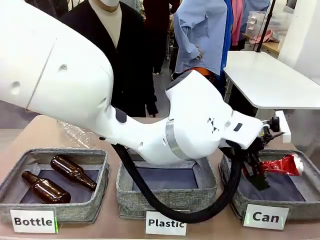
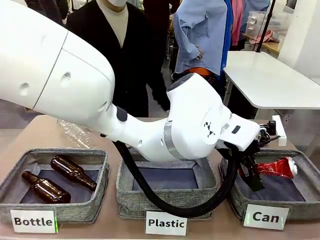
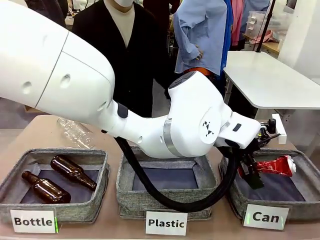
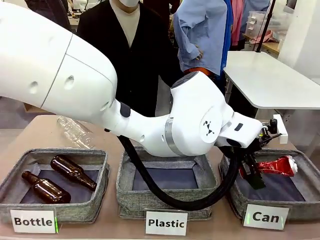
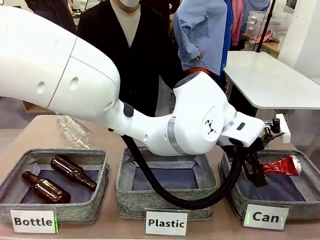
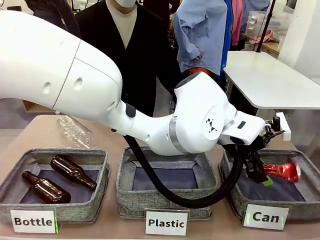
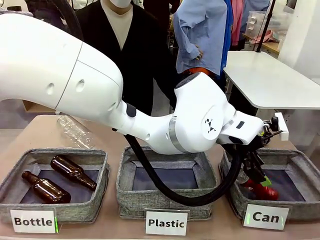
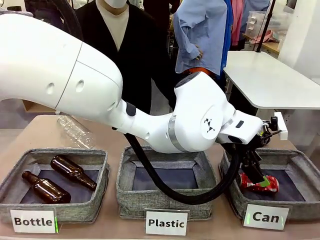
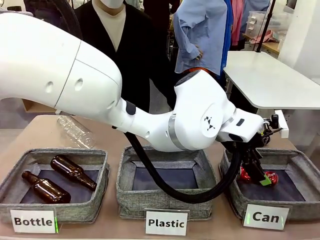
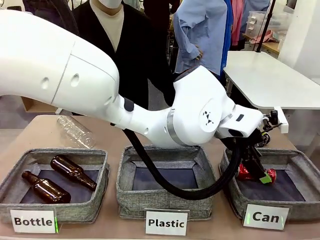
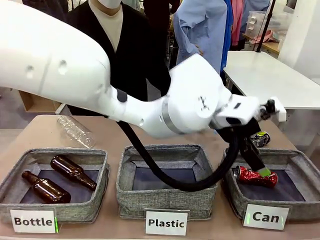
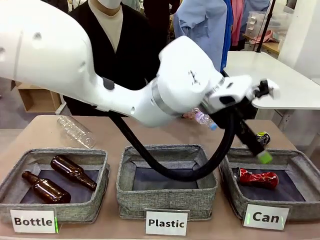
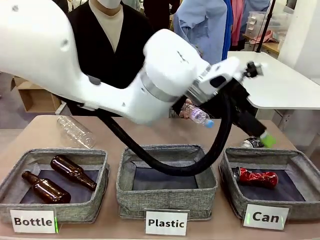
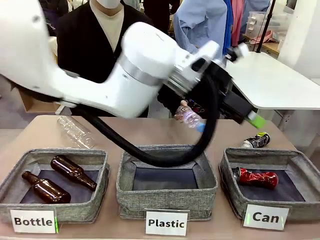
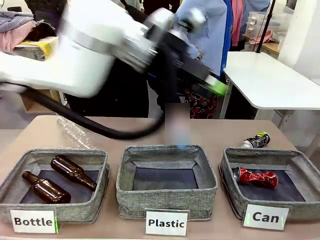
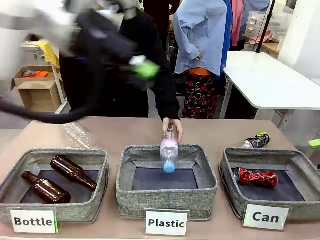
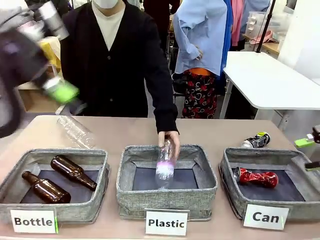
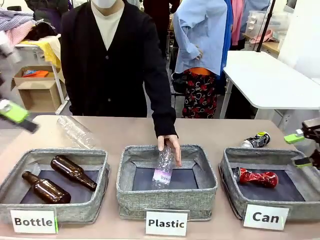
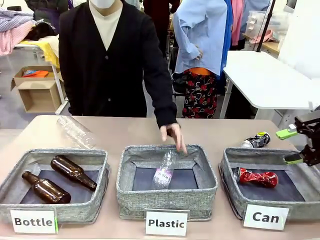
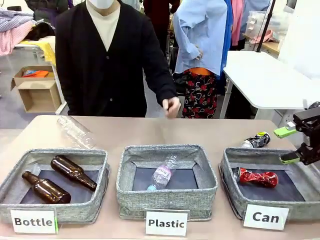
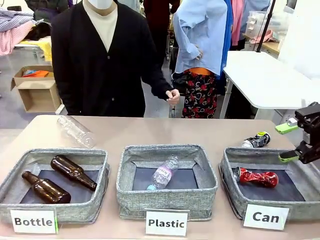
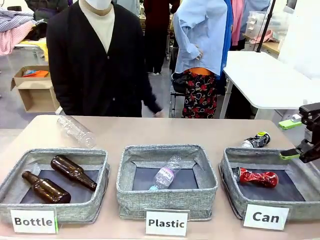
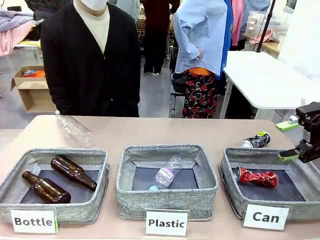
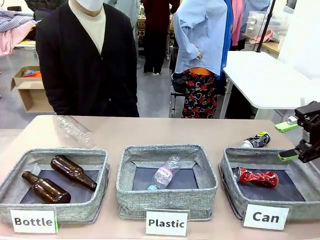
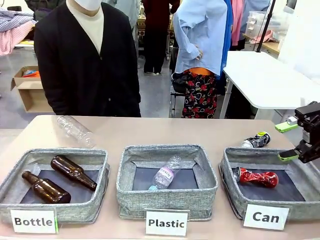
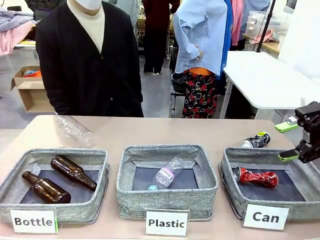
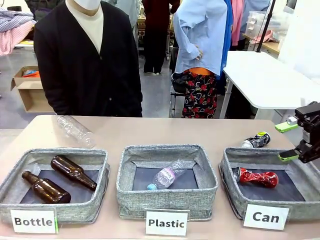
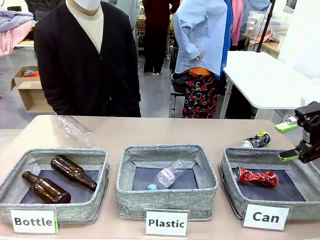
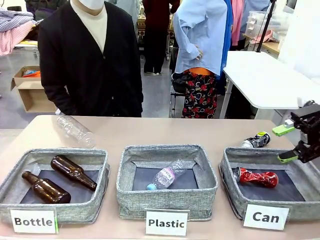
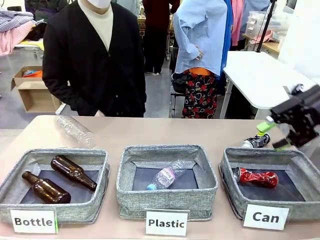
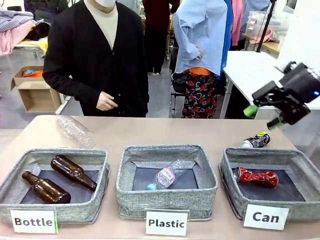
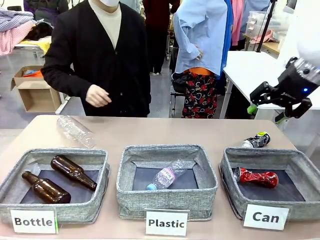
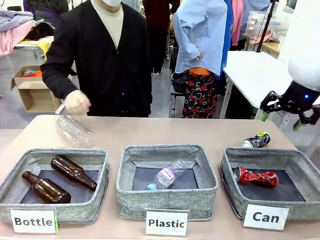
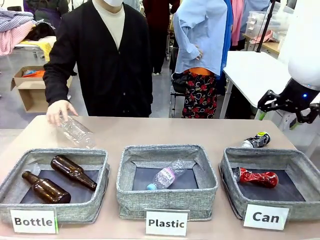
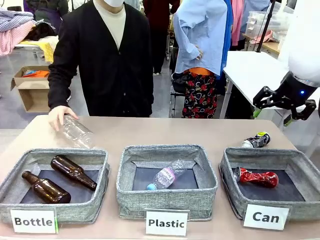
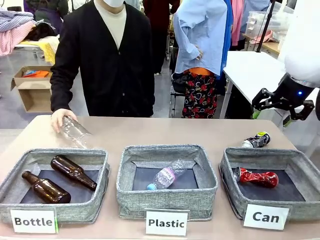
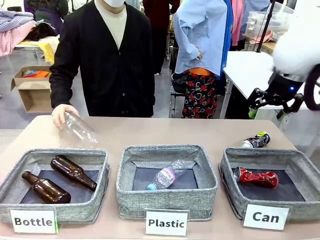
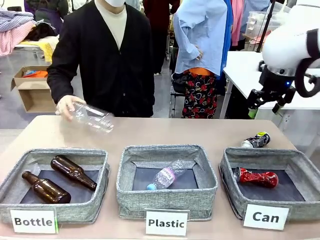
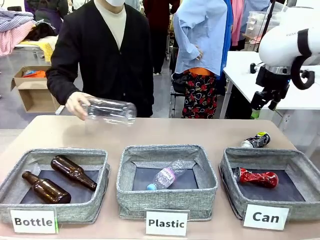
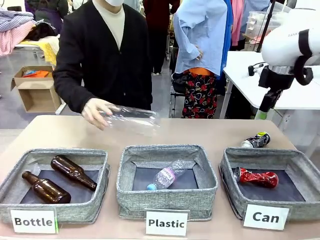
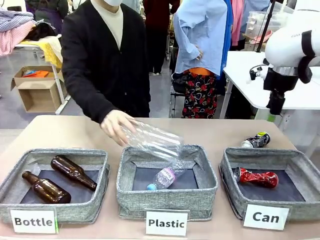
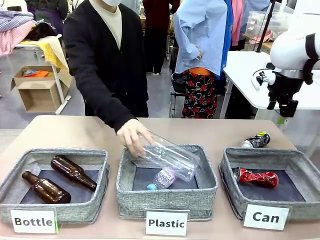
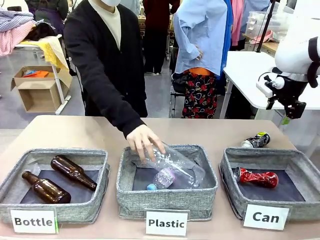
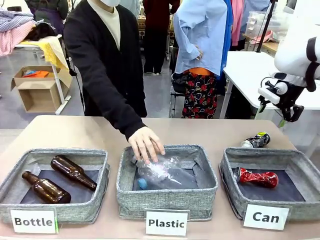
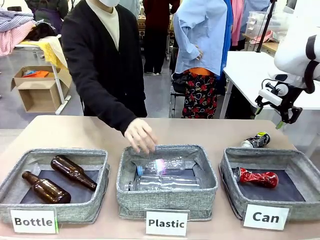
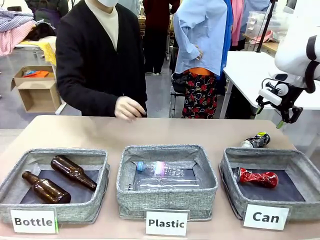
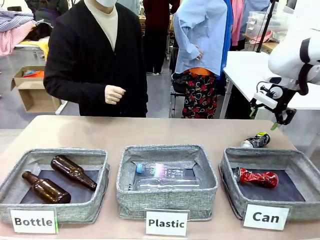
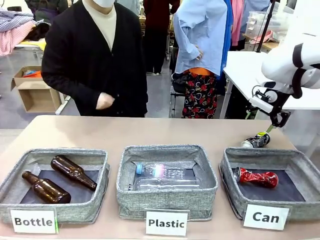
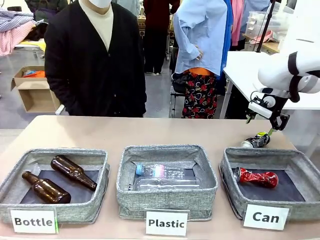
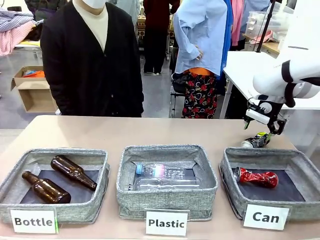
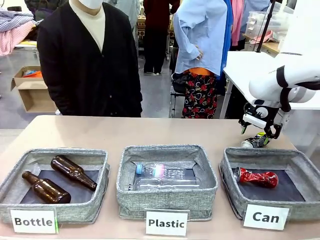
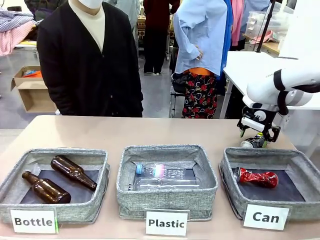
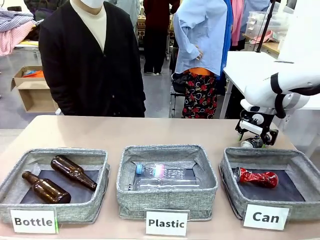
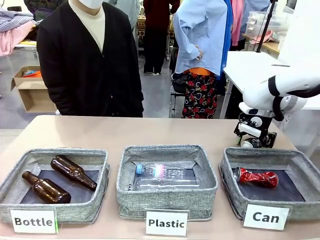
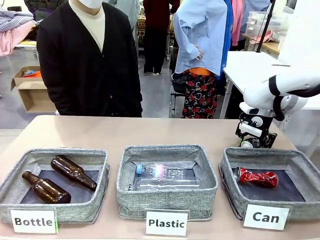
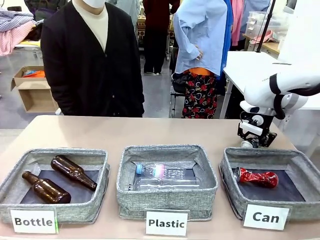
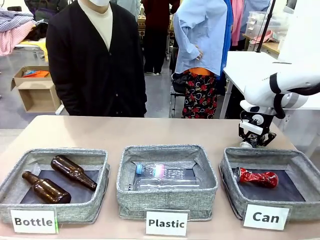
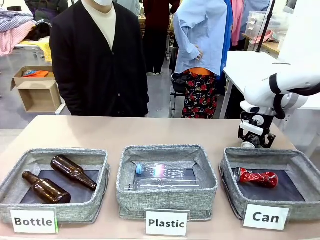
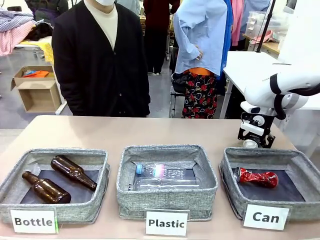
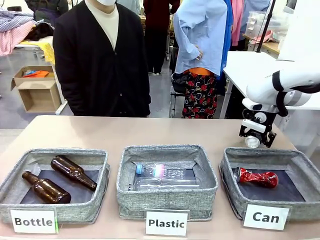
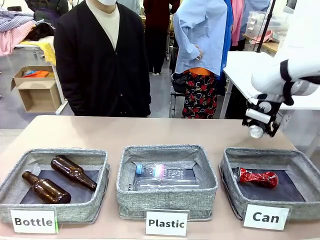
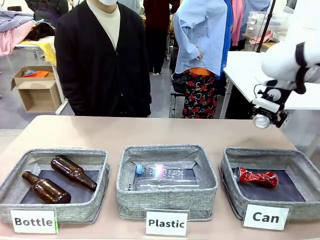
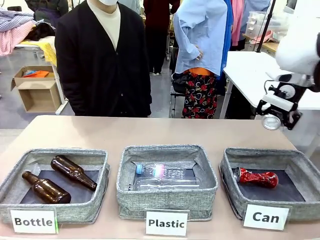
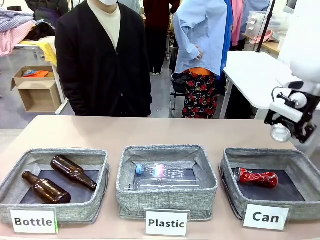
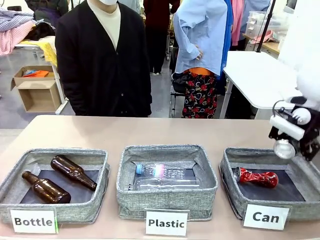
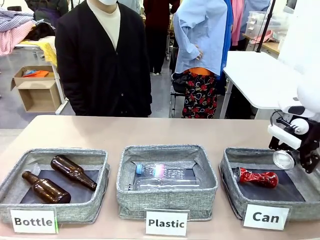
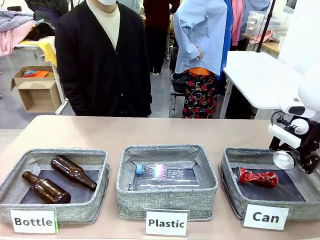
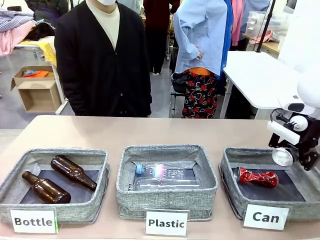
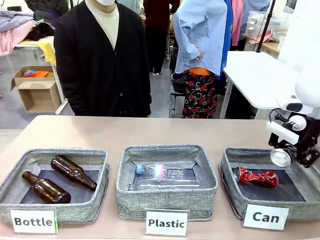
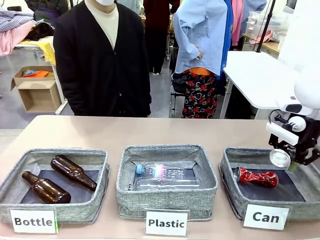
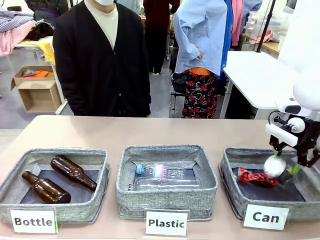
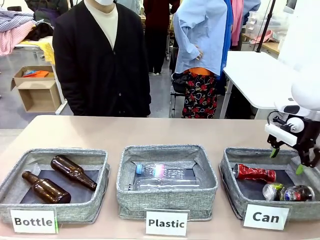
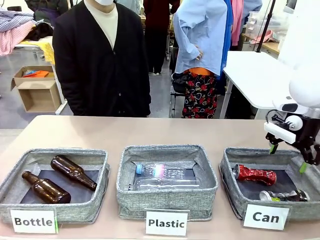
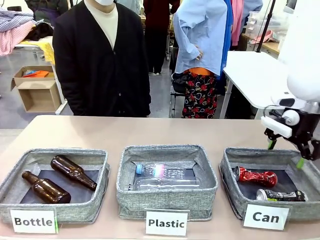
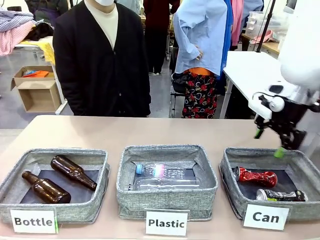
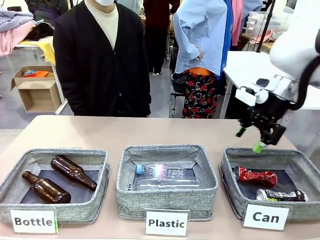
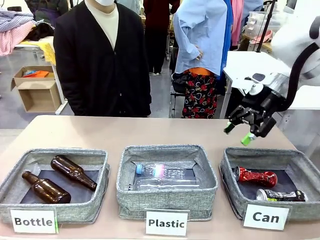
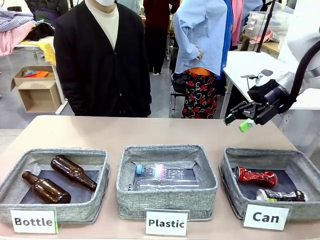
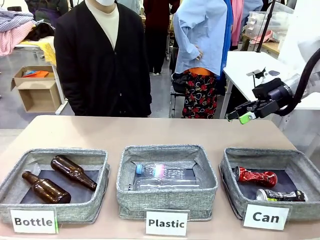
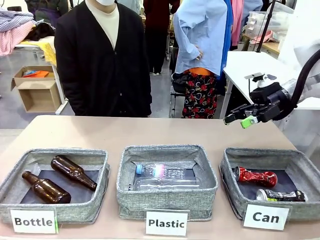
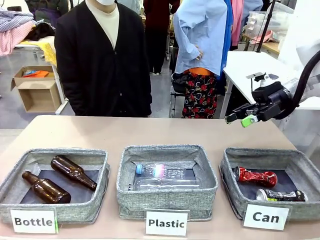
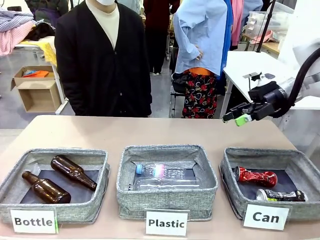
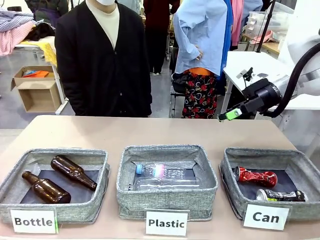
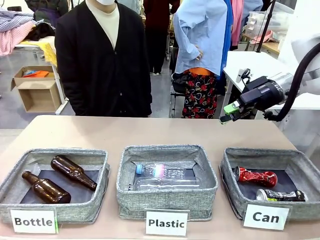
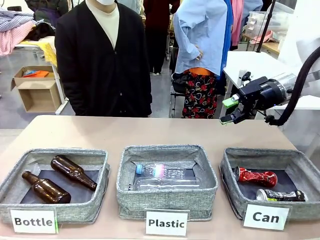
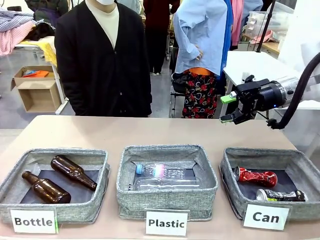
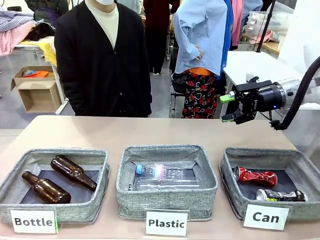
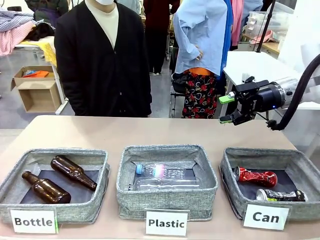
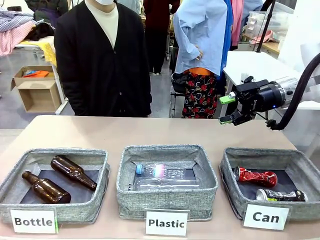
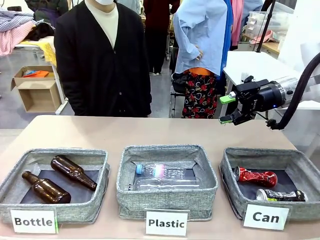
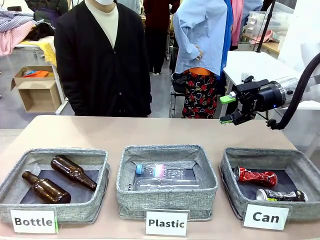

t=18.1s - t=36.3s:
Task: Sort the can waste into the basket.
Robot: Pick up the can waste from the table and place it in the right Fabric basket.
Person: The human picks up one piece of trash that is not a can and places the trash into the appropriate organizing basket.
